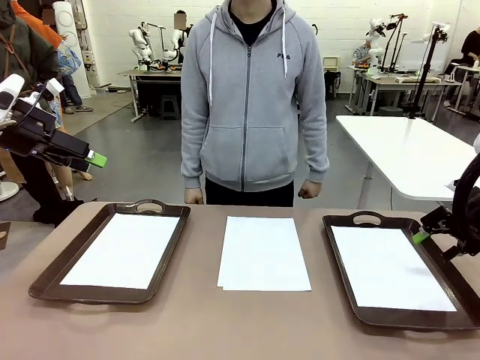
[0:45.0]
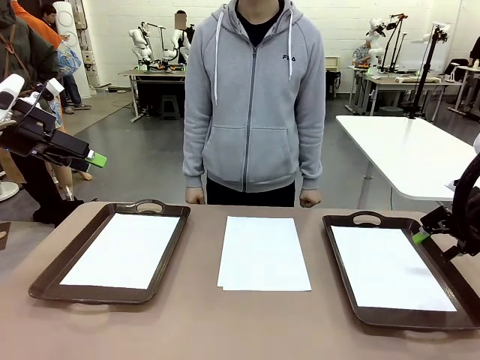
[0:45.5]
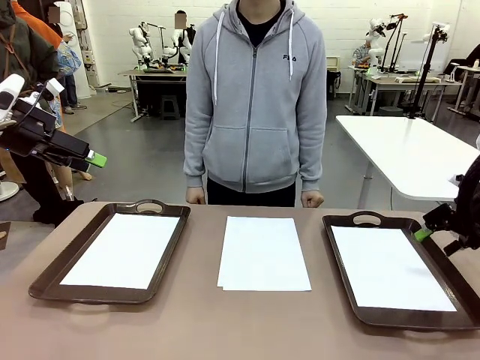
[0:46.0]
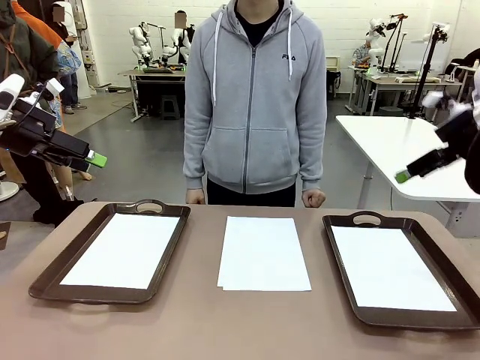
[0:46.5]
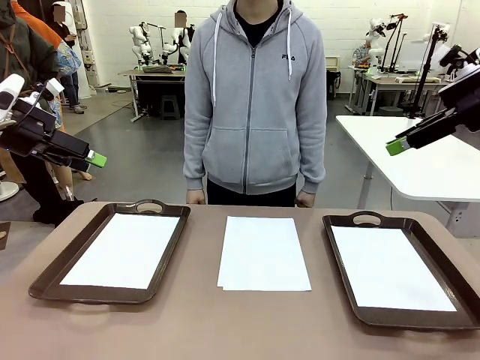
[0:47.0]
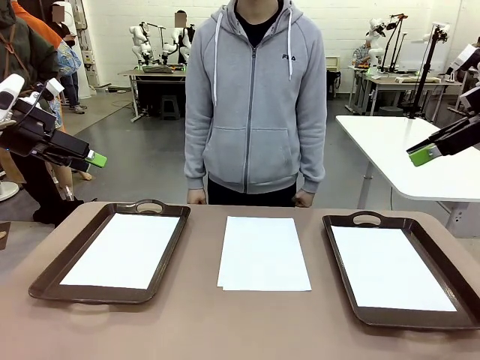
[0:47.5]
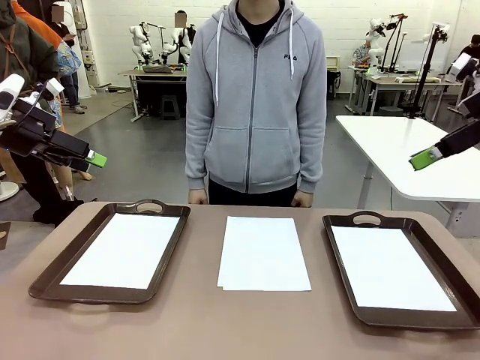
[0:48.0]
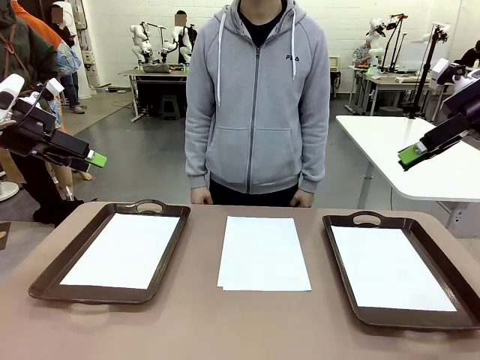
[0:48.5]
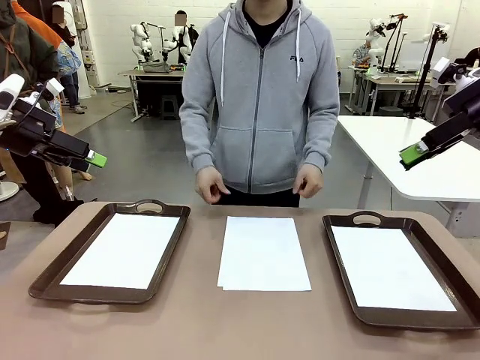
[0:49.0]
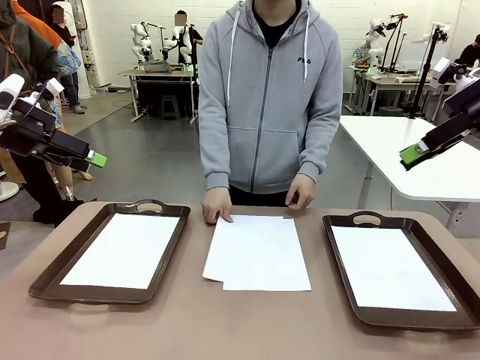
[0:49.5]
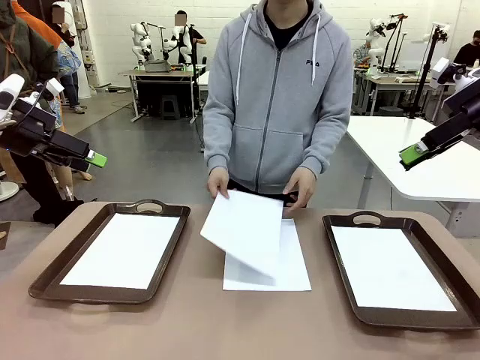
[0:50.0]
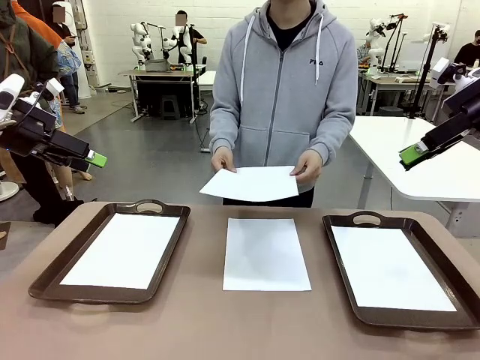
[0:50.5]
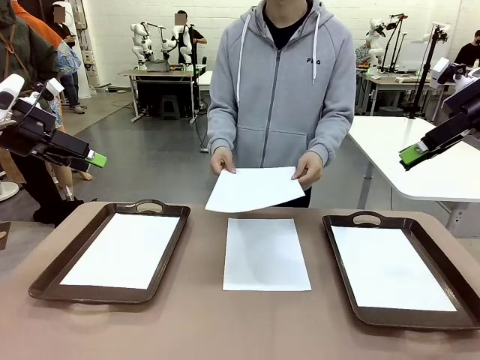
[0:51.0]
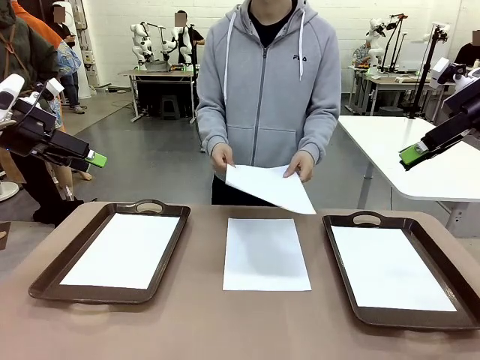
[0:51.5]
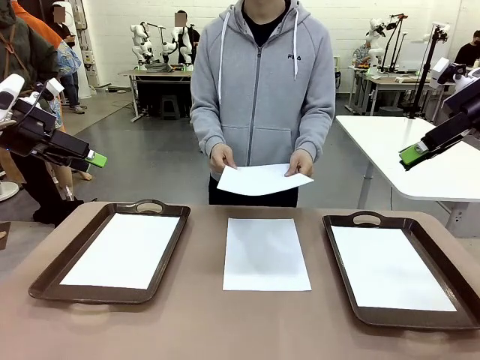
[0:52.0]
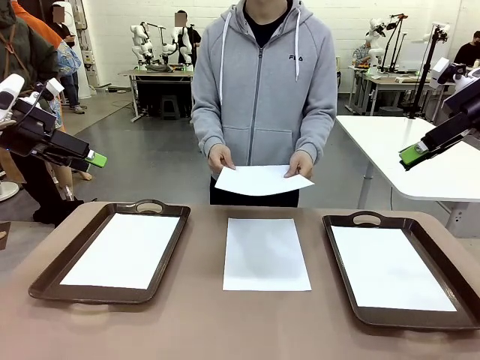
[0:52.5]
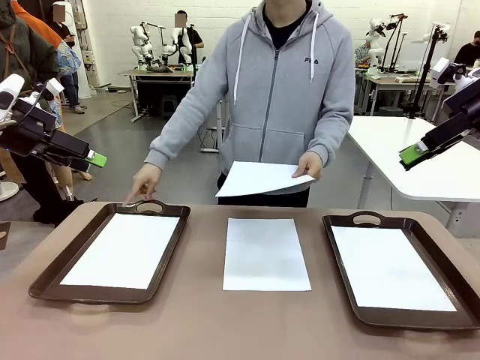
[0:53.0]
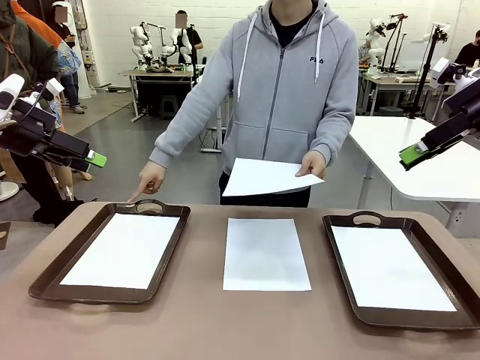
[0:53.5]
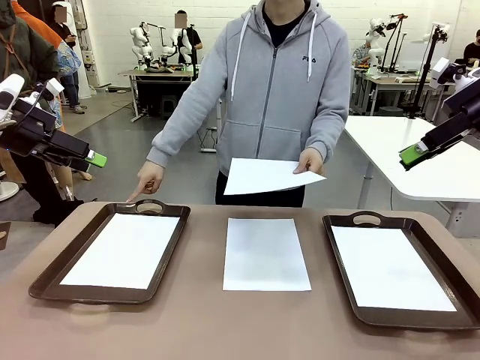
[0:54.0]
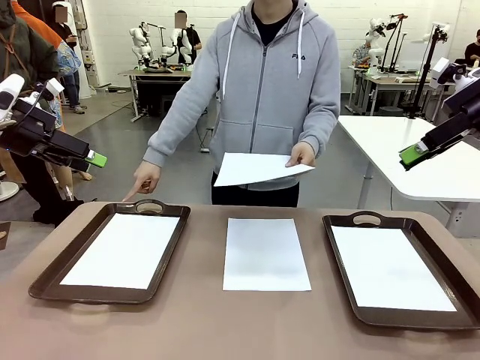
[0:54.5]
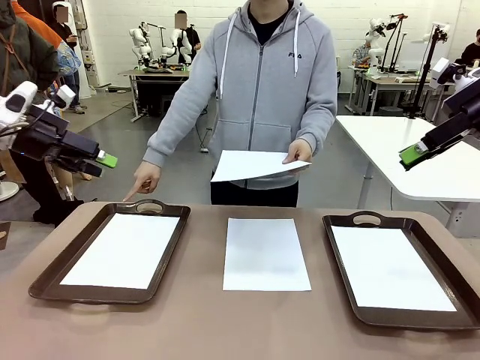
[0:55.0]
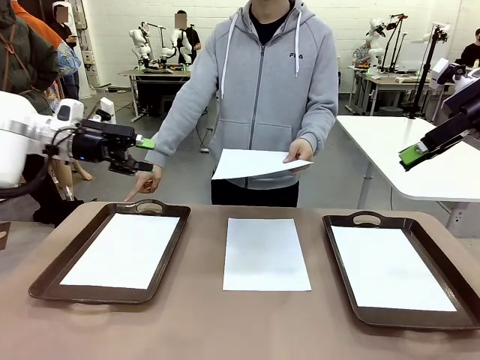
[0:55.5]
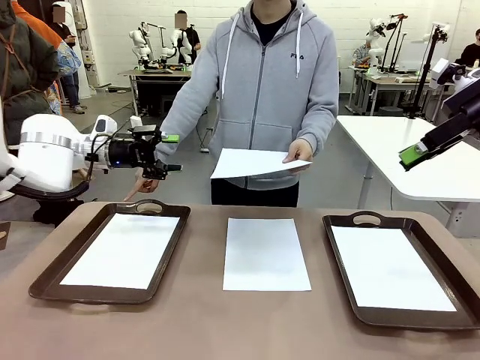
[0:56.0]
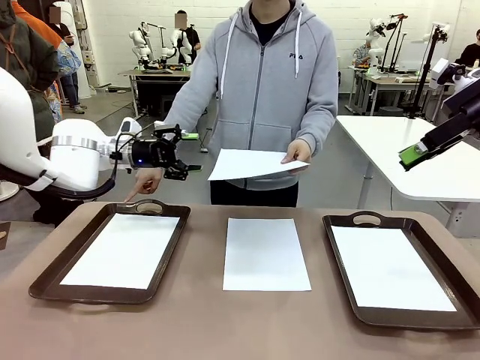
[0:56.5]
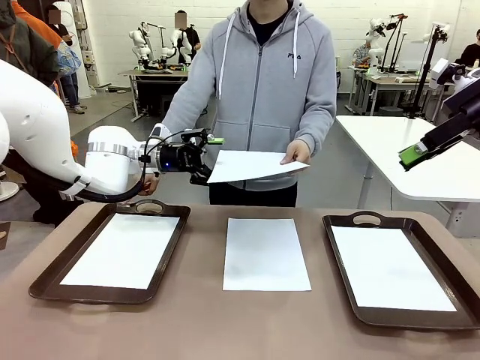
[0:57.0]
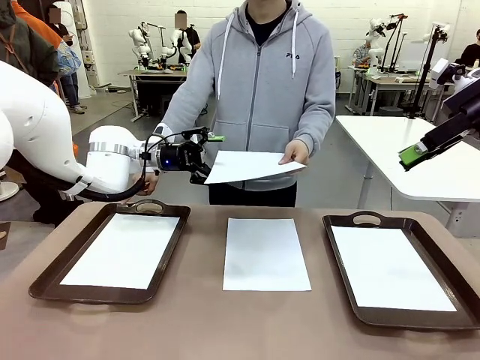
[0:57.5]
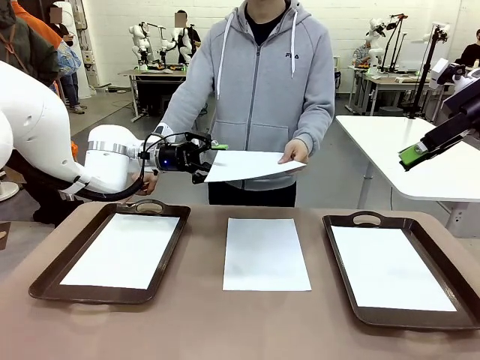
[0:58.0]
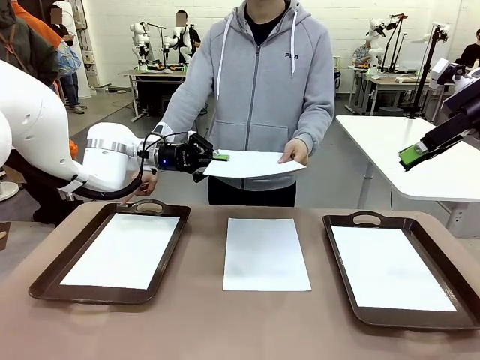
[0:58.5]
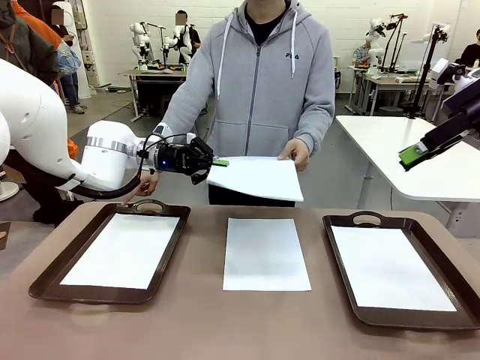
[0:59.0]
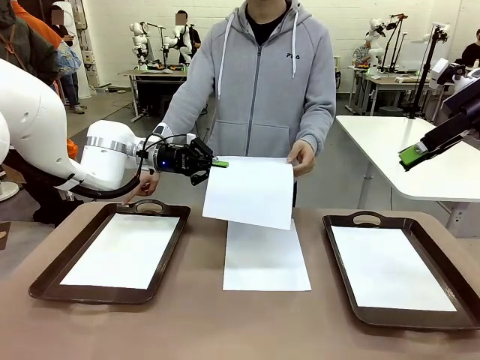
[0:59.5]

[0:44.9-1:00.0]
Task: Sort the A4 documents.
Robot: Receive the A4 Paper.
Person: Point the randomly selected tray with the other hand.

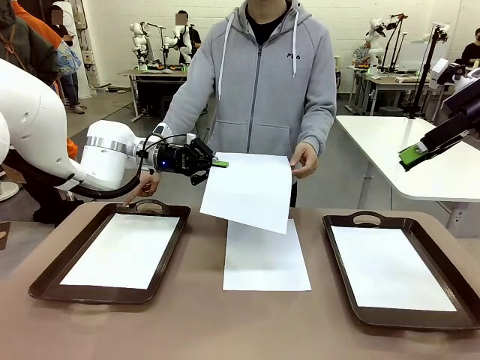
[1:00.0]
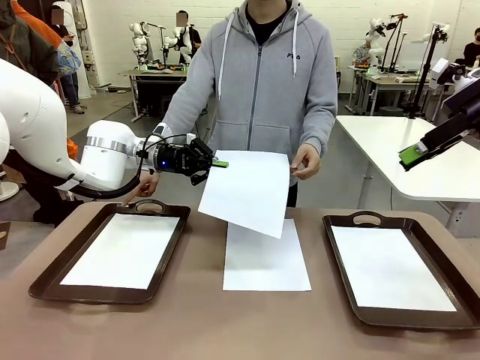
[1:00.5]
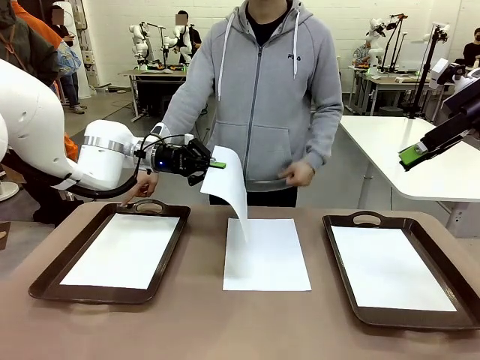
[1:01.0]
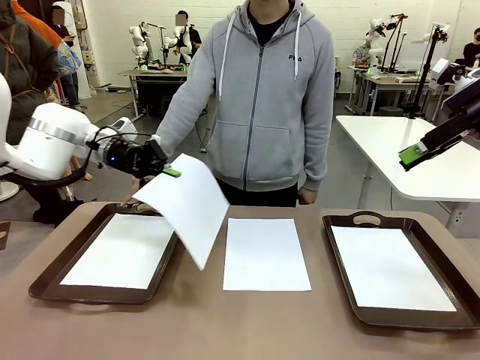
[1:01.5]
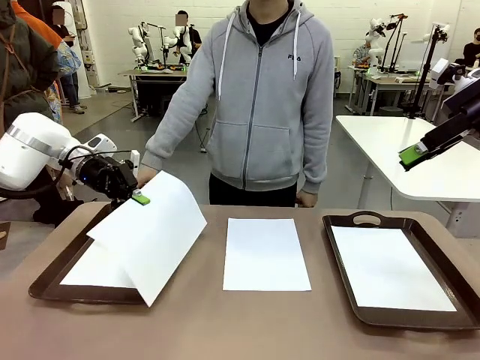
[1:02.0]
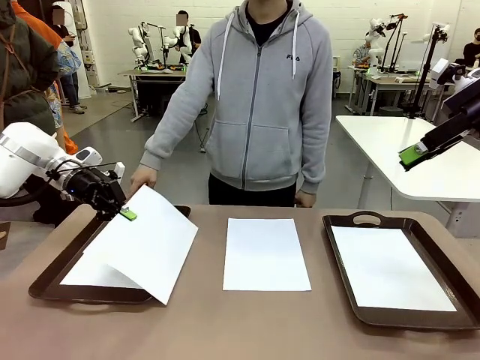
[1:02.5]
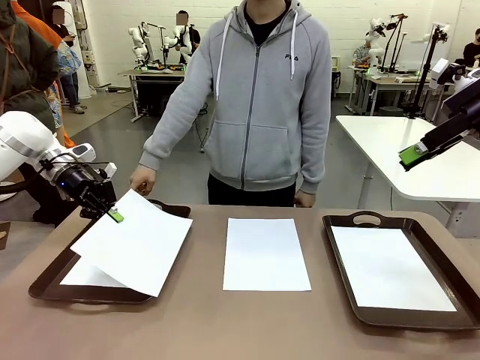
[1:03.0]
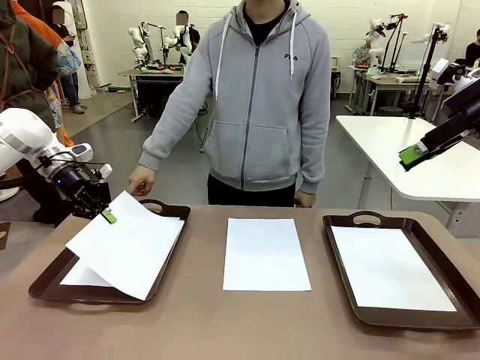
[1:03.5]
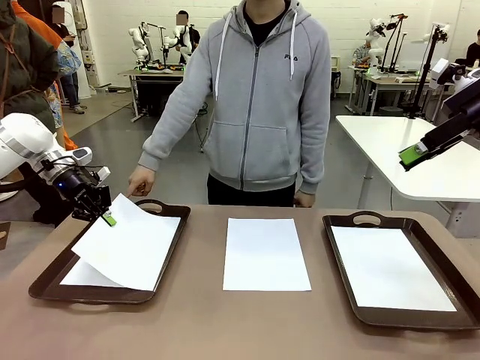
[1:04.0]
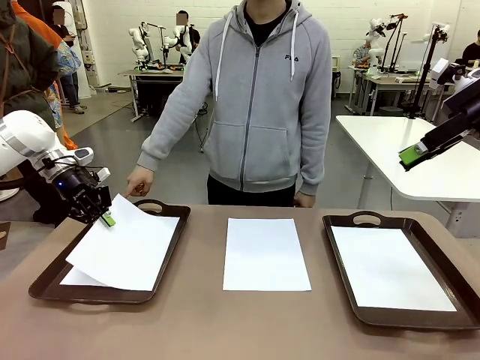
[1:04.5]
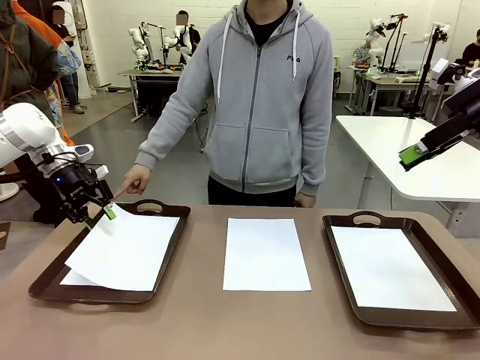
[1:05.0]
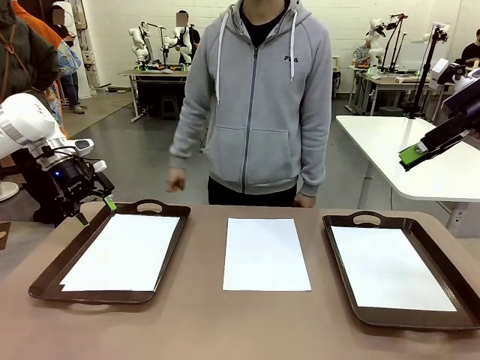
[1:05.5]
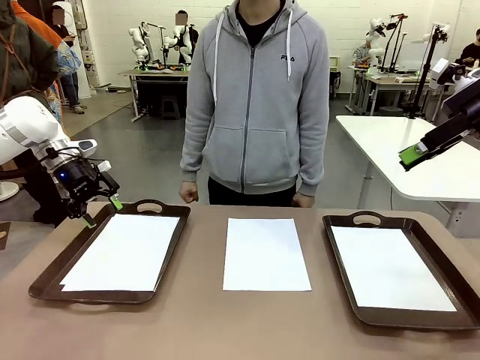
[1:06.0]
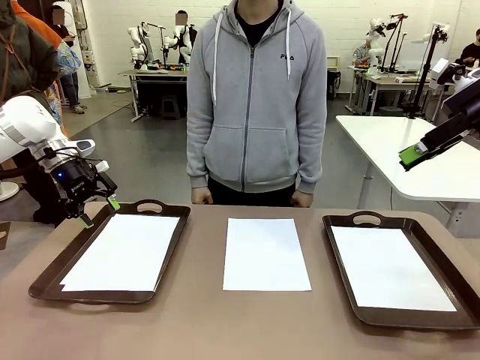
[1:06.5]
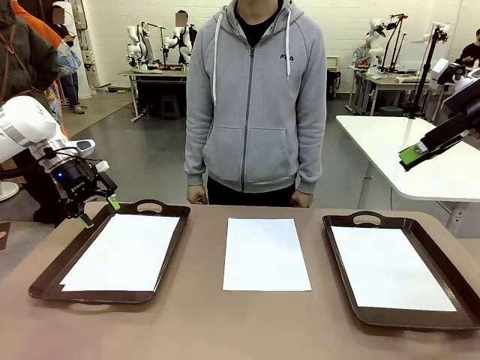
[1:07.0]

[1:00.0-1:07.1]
Robot: Place the A4 Paper in the designated Handle tray.

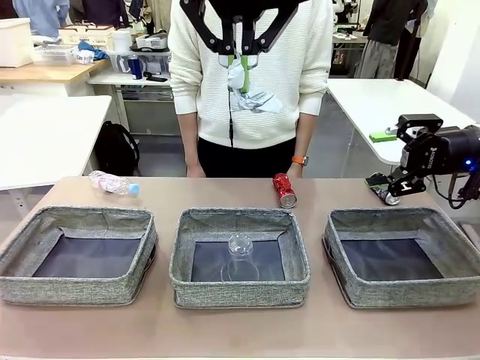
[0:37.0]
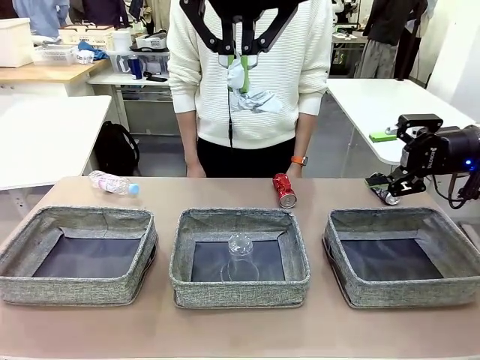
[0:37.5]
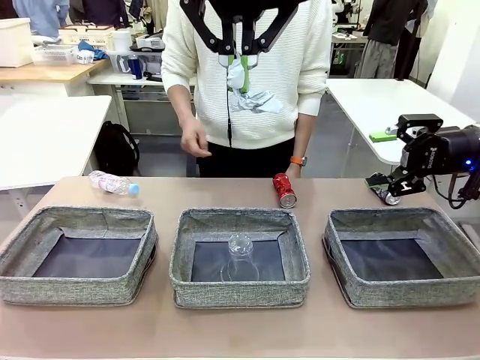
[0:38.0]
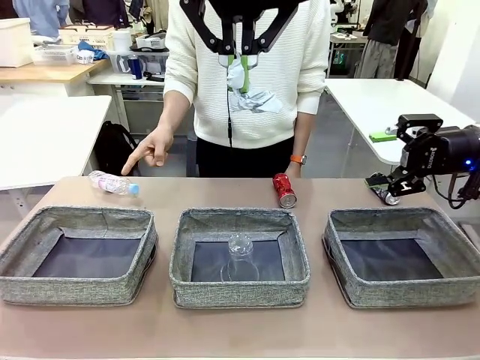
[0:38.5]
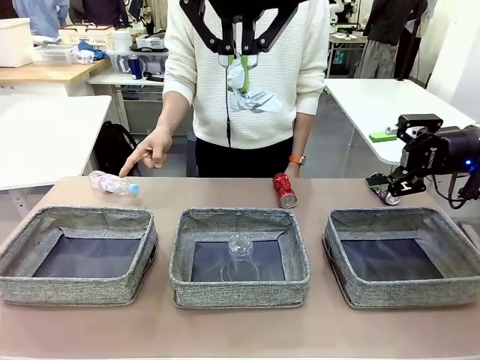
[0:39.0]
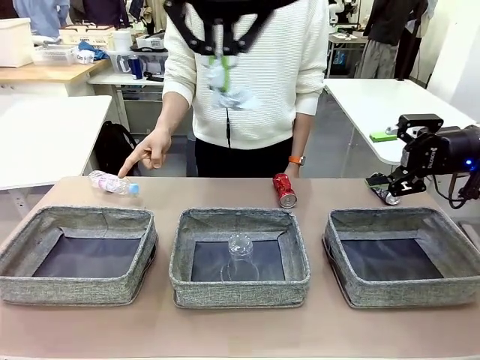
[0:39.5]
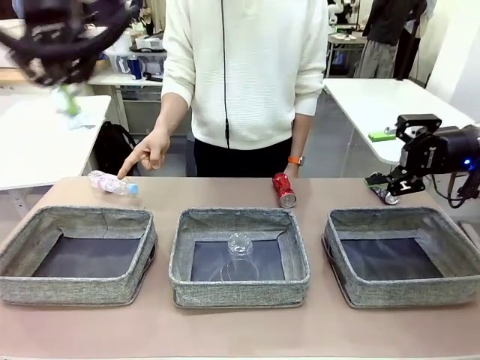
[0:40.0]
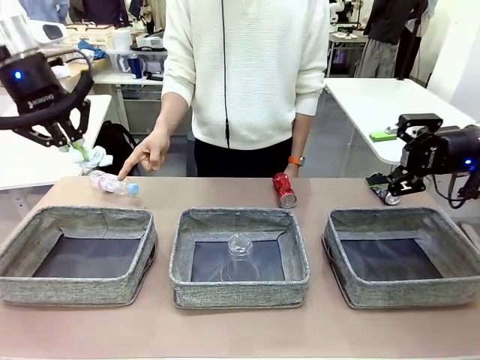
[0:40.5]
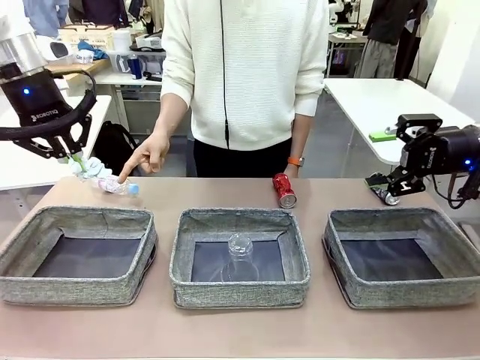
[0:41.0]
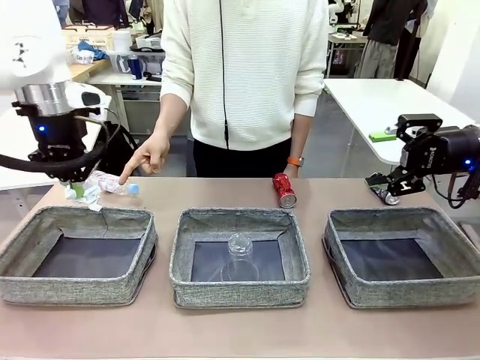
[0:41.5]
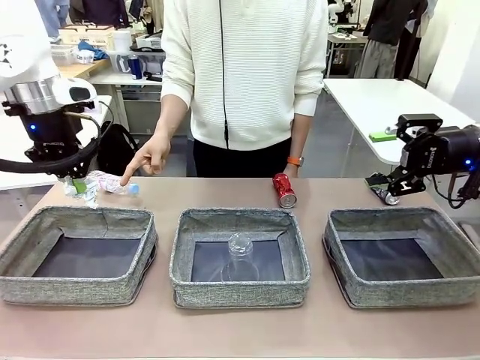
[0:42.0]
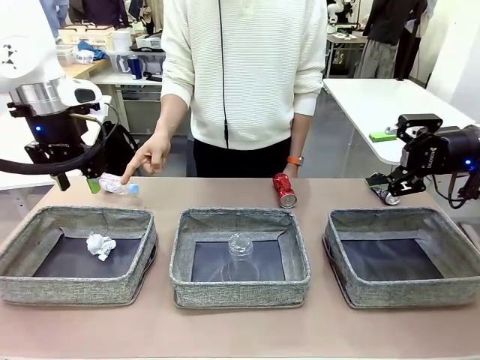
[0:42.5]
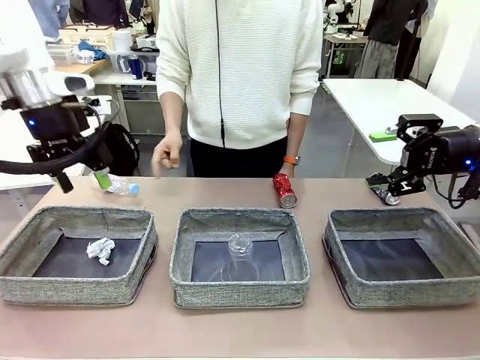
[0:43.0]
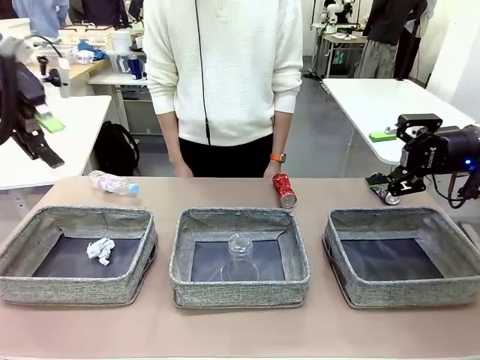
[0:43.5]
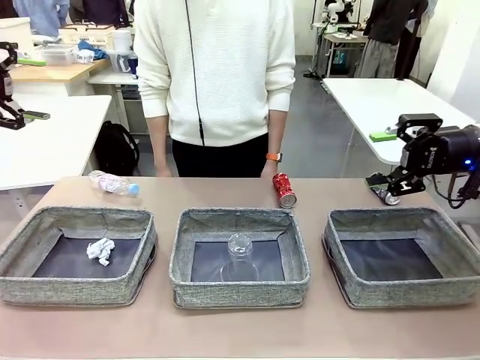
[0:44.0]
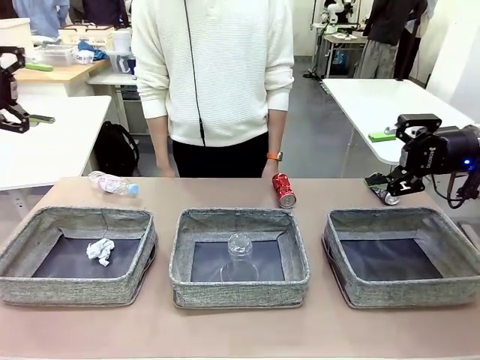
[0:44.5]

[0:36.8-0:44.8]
Task: Sort the waste into the appropriate baskets.
Robot: Place the picked waste into the Fabric basket indicated by the person.
Person: Instructs the robot to place the picked-up trash into the appropriate organizing basket.
